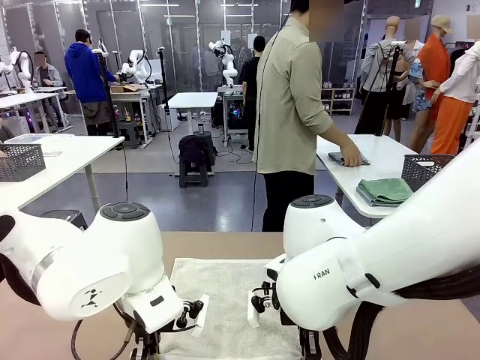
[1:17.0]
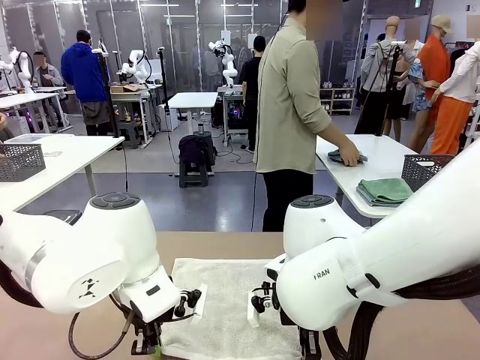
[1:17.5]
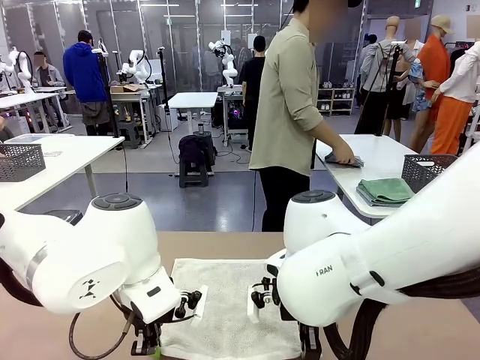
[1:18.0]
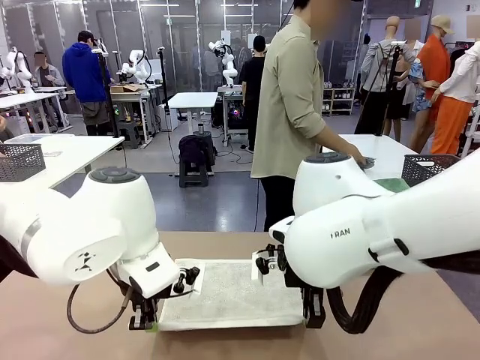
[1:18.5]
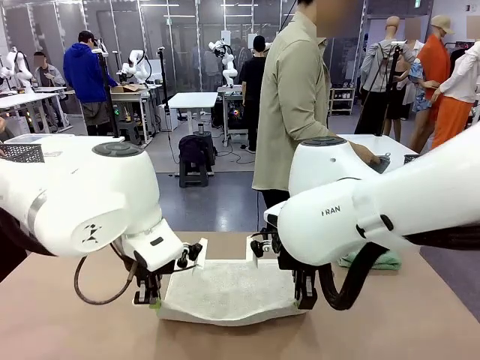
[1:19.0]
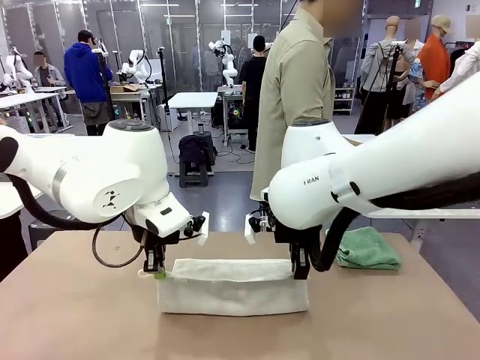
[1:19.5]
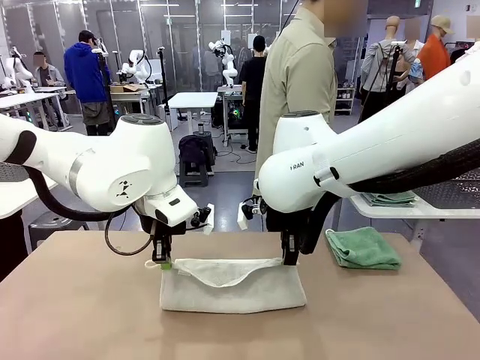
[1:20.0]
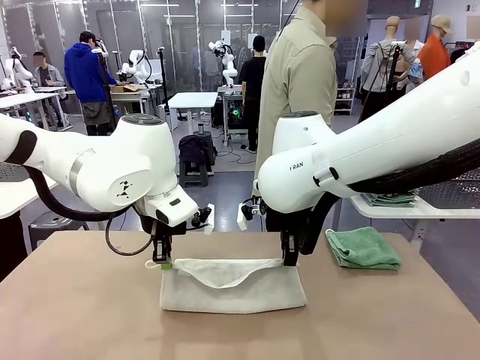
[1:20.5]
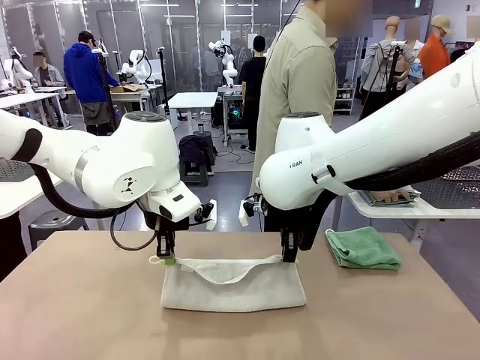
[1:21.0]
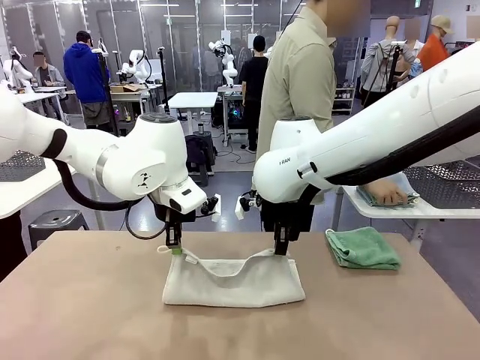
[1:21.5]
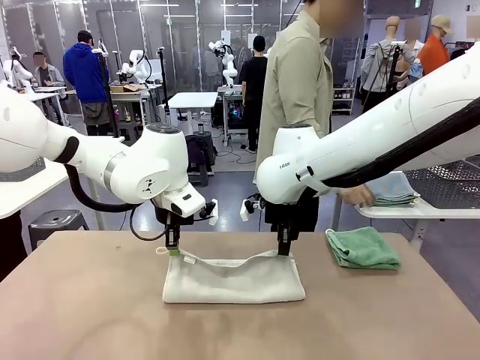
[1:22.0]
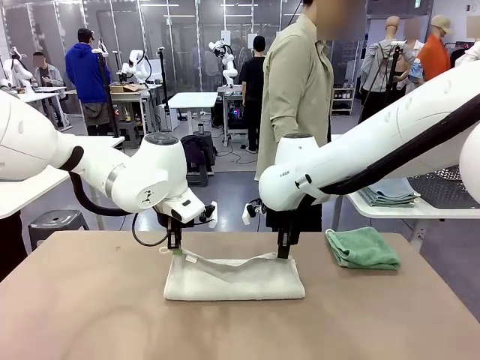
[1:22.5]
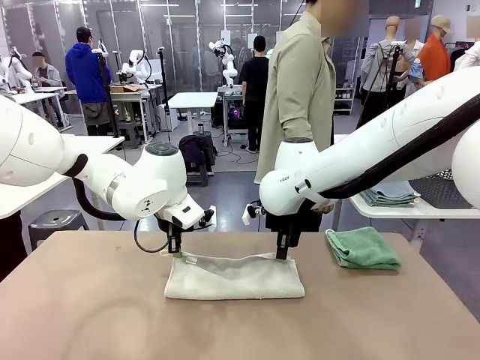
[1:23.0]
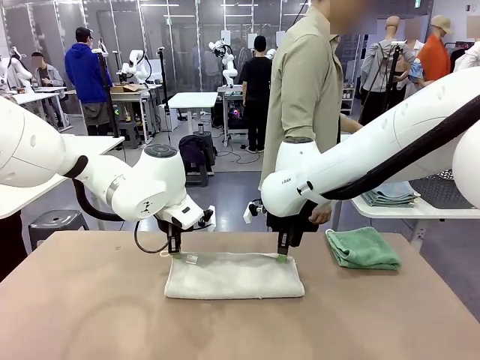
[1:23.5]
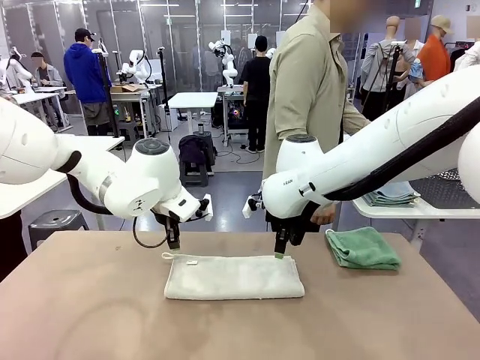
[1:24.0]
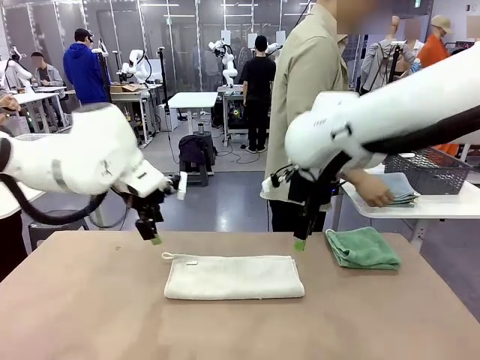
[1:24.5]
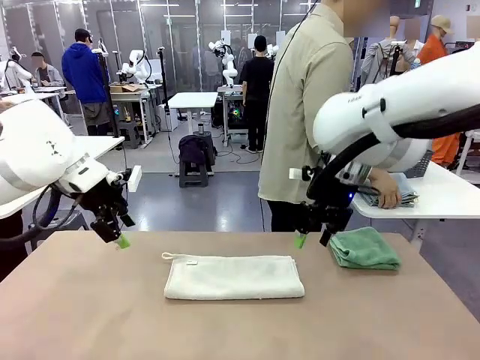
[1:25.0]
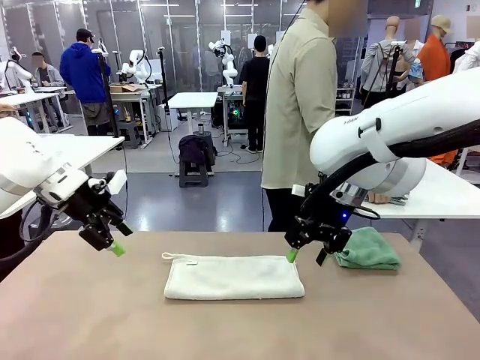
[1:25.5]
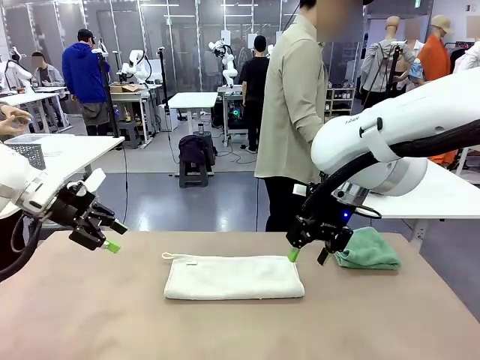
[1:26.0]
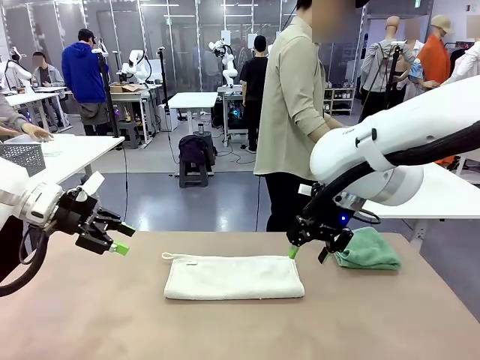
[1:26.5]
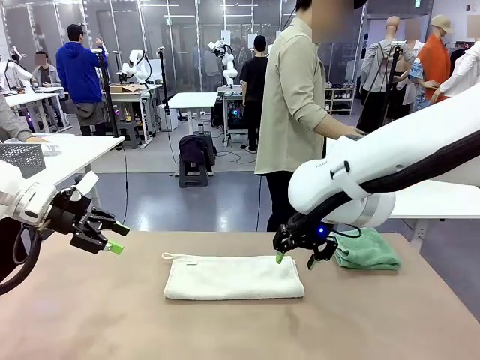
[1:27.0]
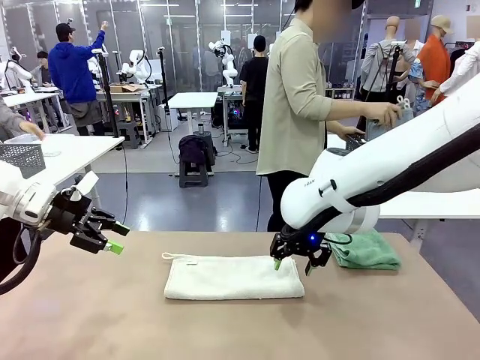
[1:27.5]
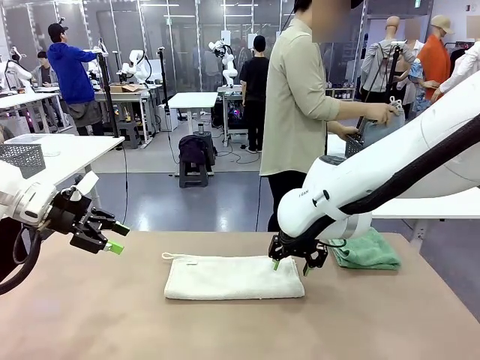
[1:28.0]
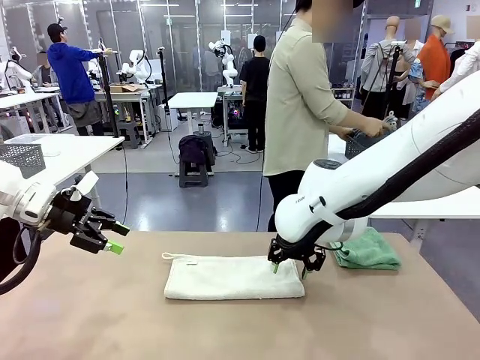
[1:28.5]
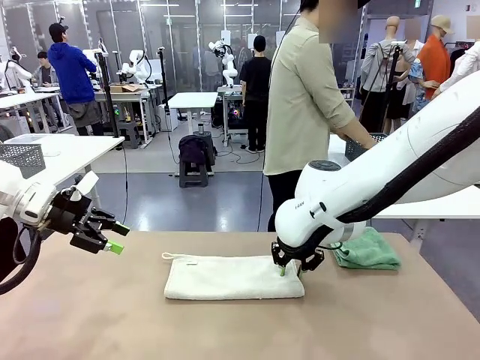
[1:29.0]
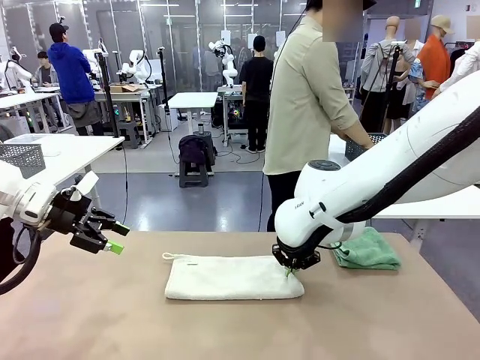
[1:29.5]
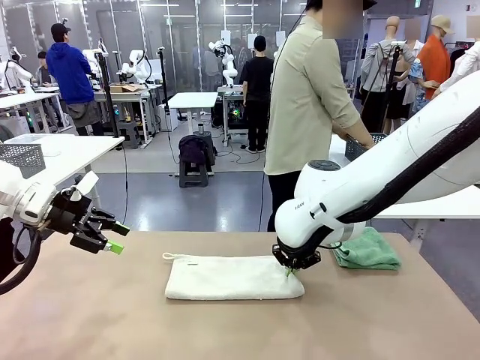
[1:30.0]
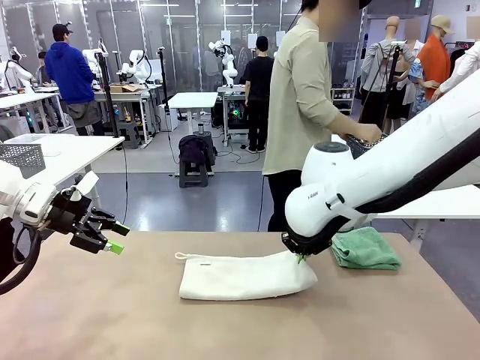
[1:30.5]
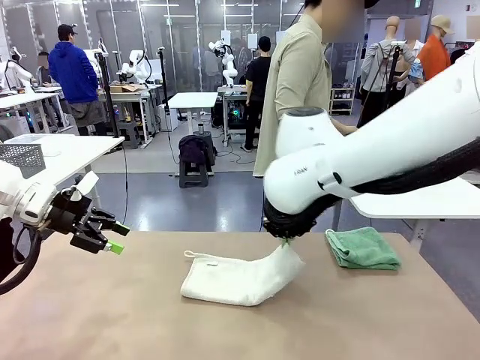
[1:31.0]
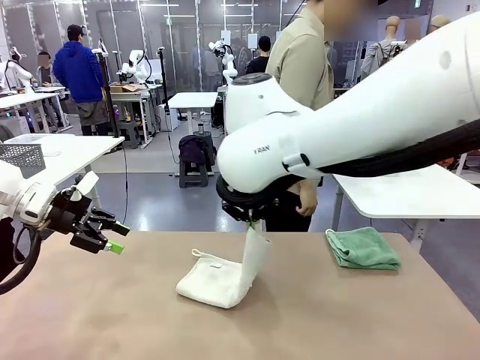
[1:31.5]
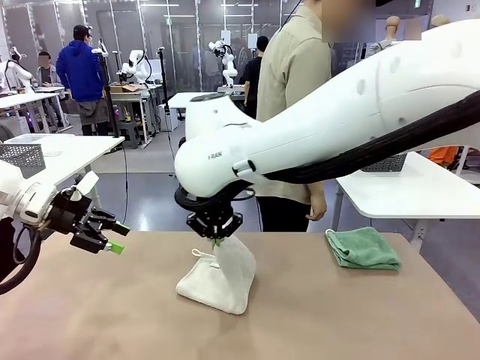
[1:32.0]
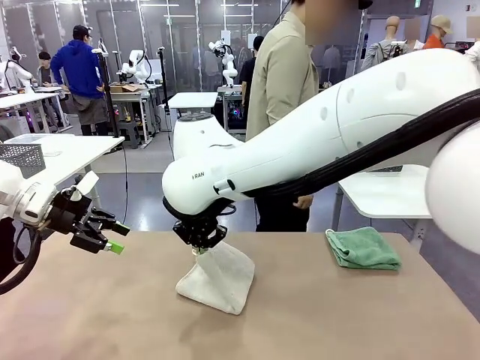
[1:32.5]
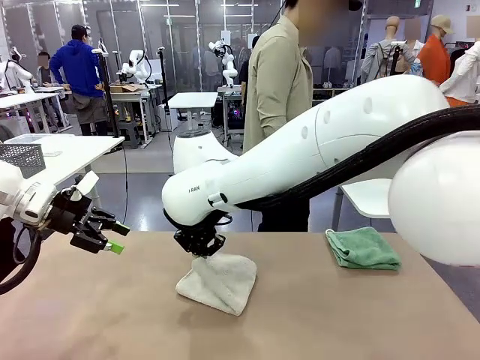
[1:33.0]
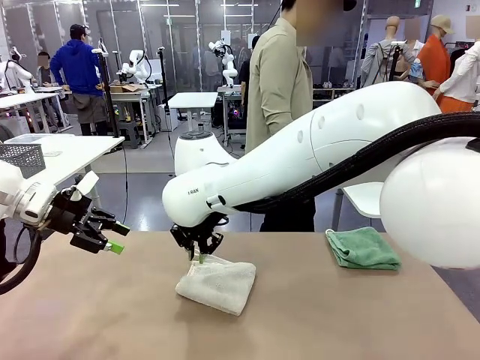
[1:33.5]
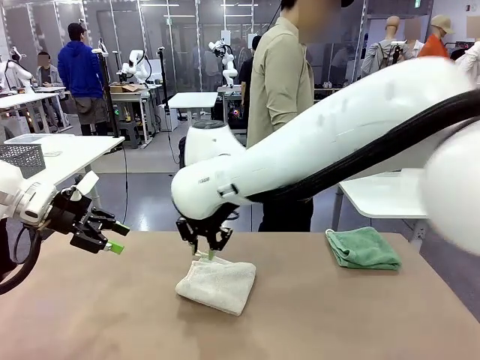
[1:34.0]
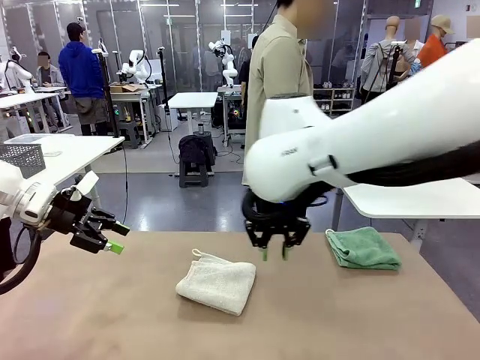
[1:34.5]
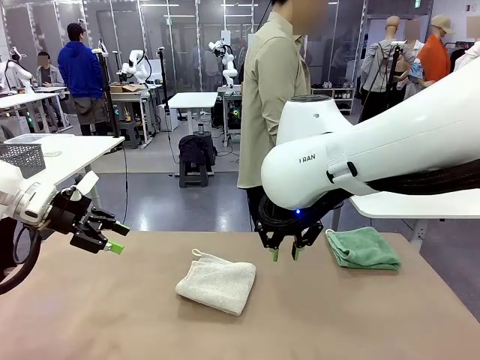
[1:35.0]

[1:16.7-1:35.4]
Task: Fold the towels and place them in the basket.
Robot: When a person lays out a Towel with hook on the table, fold it in half twice.
Person: Pick up the stack of towels from the right side of the human table, place it into the basket, and put the basket at the center of the table.

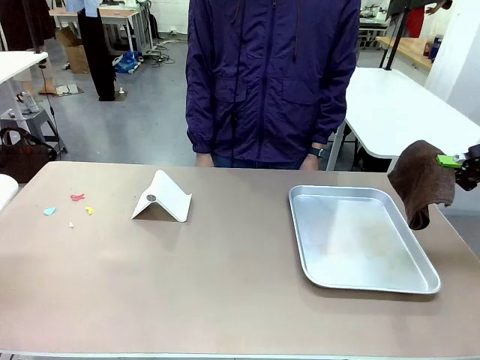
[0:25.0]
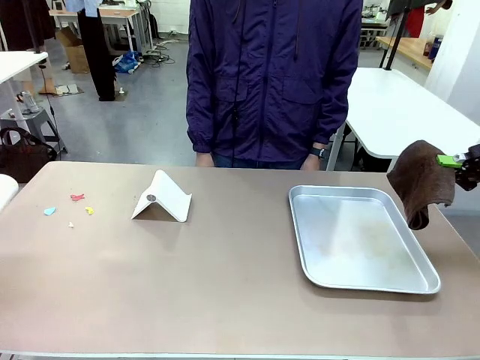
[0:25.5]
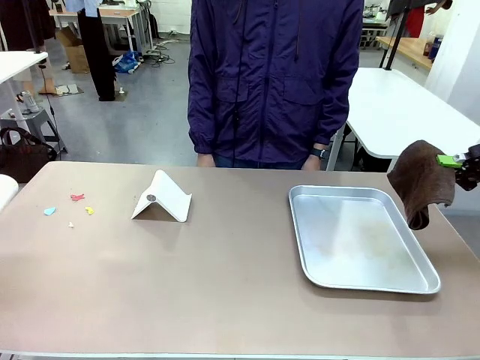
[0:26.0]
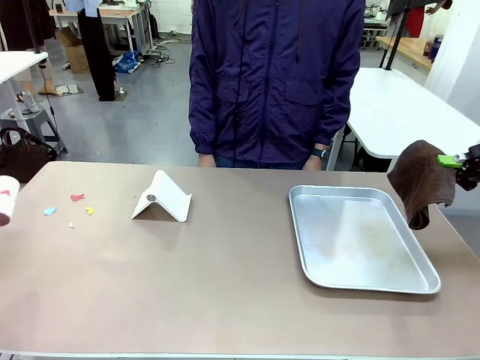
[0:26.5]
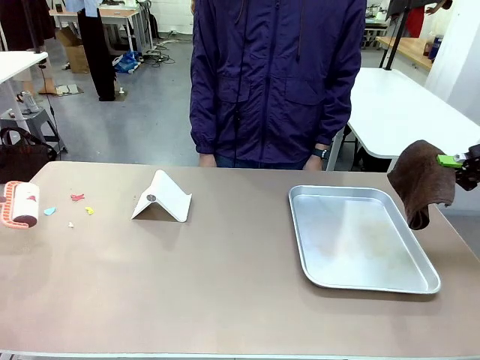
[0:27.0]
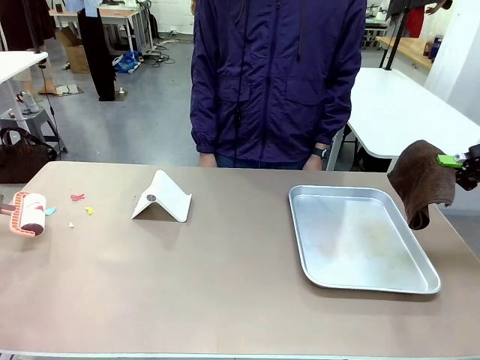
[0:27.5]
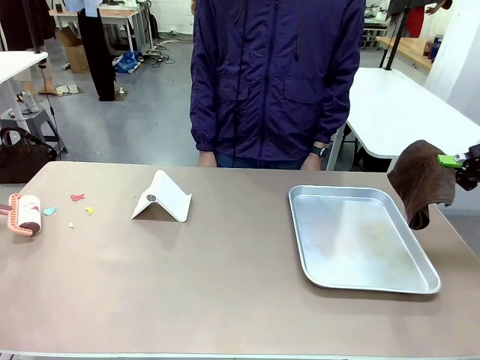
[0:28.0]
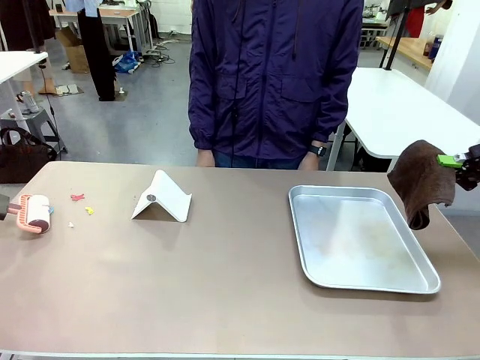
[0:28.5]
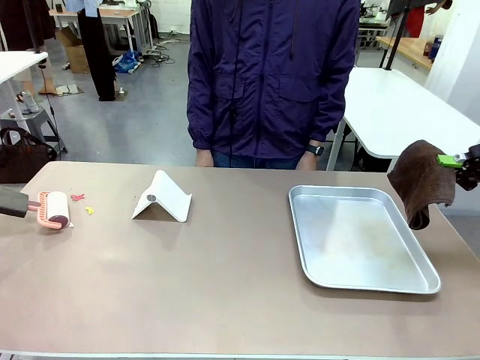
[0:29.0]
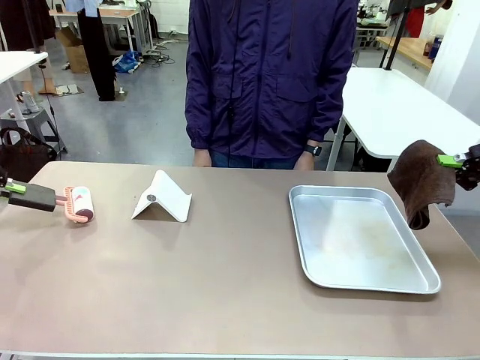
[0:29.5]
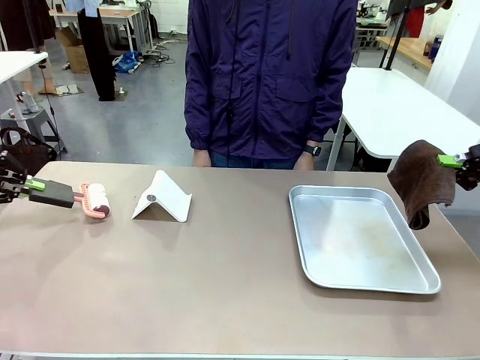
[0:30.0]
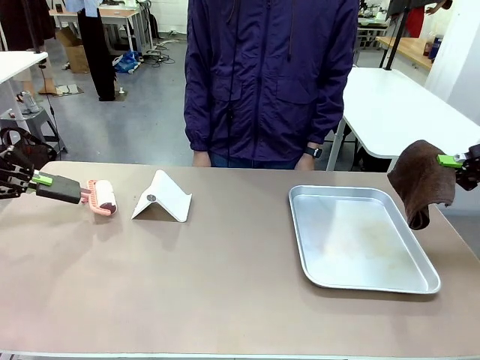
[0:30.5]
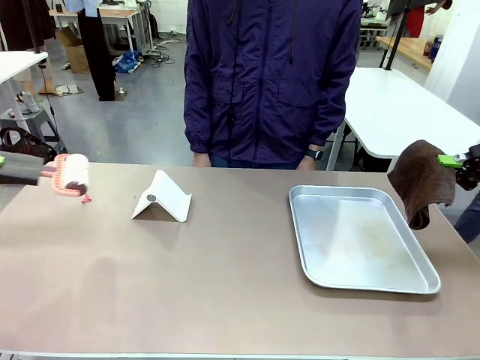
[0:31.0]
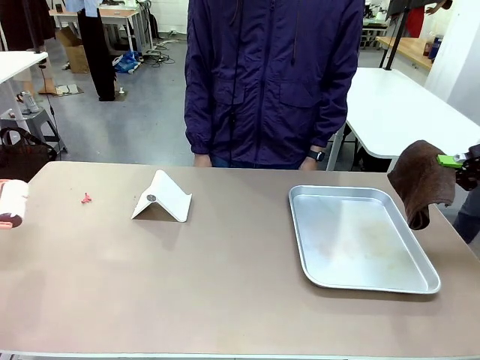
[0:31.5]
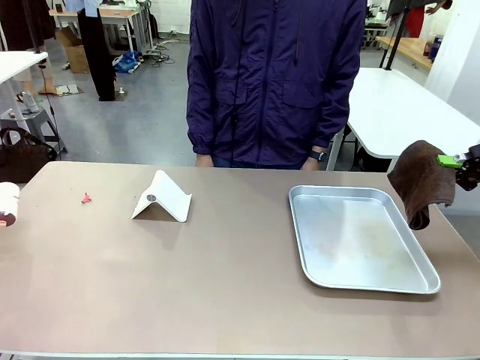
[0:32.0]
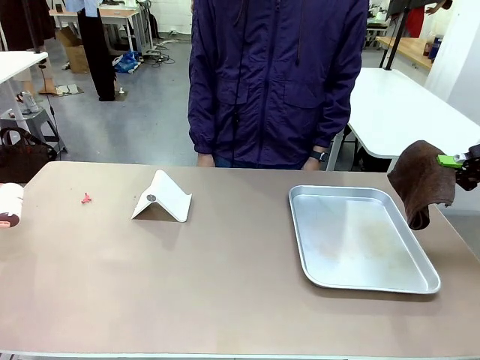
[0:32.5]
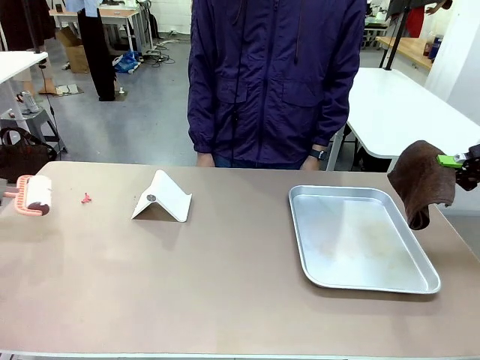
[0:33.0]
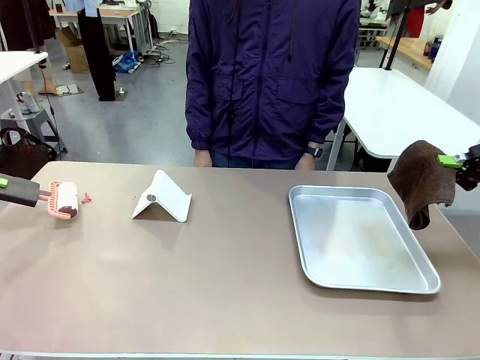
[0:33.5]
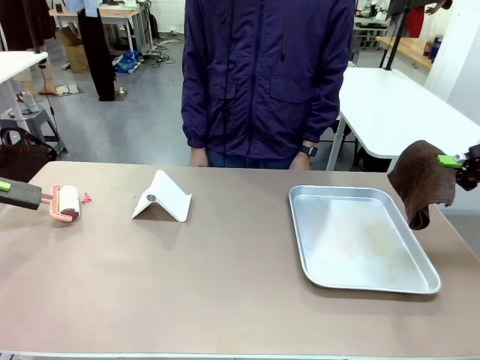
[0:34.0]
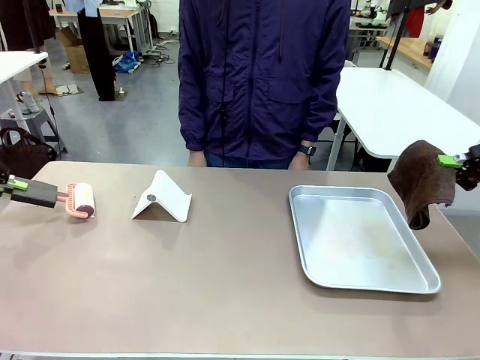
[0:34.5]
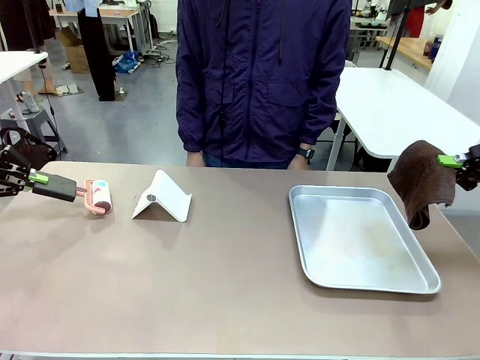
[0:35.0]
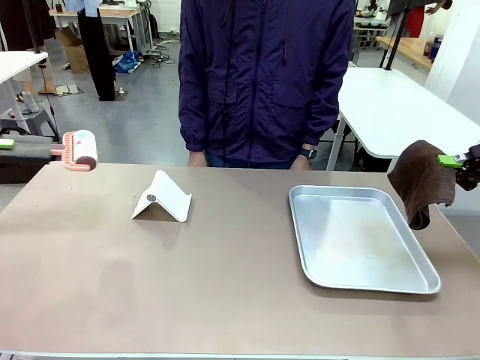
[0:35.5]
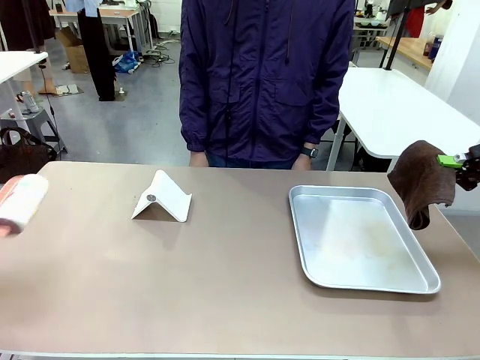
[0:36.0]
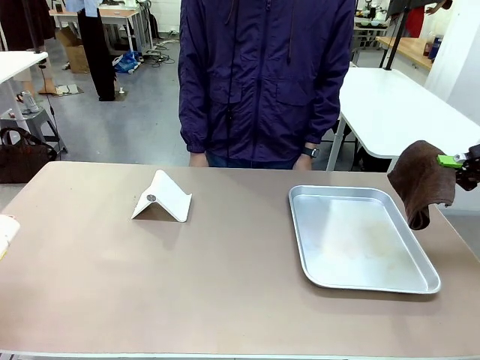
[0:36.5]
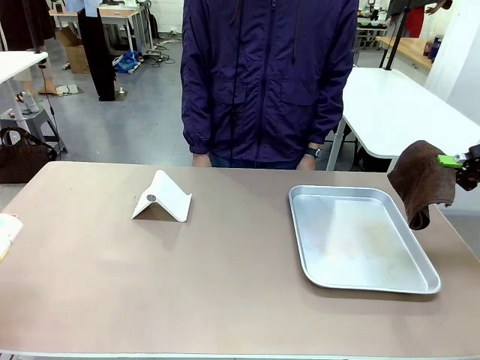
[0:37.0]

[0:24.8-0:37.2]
Task: Clean the surface of the table.
Robot: Clean the area not pointed to by the person.
